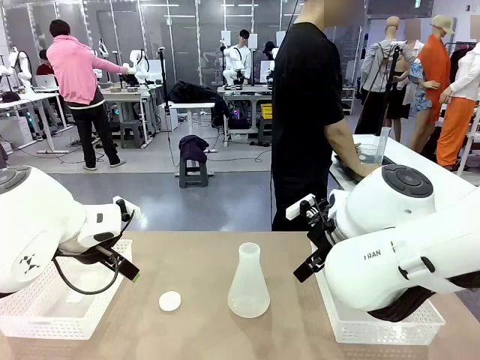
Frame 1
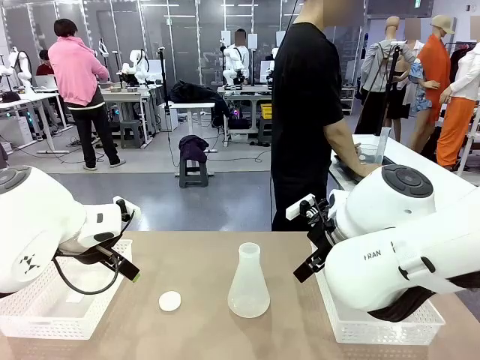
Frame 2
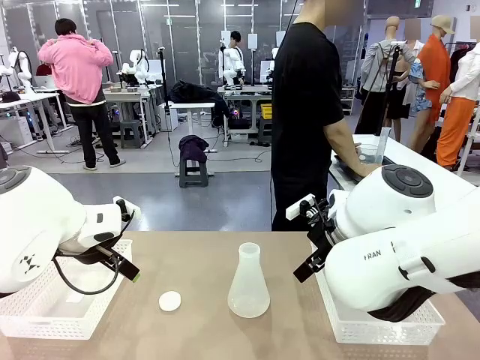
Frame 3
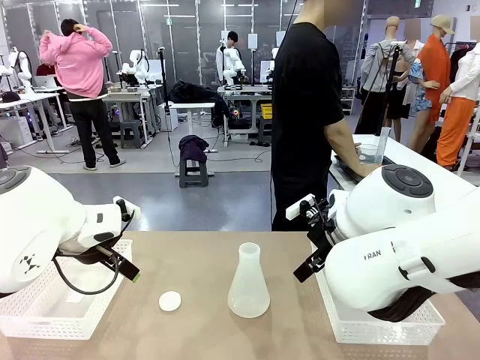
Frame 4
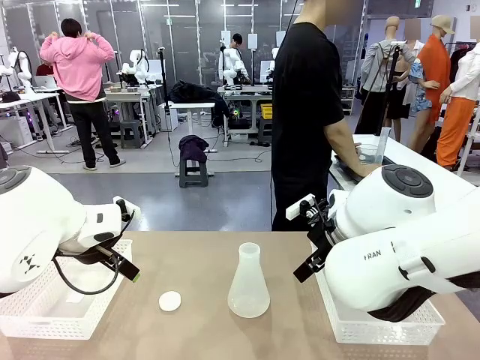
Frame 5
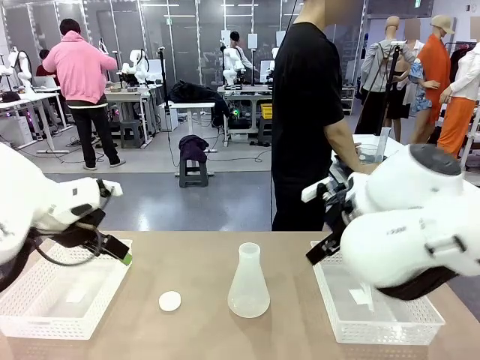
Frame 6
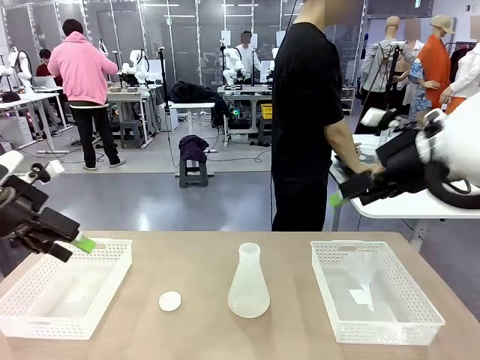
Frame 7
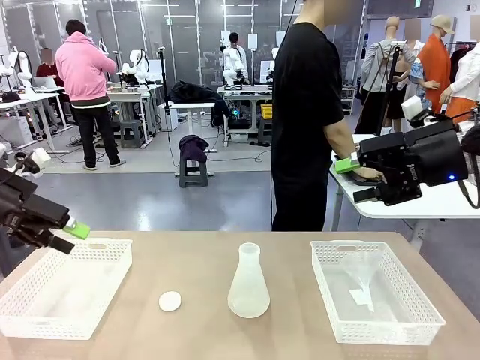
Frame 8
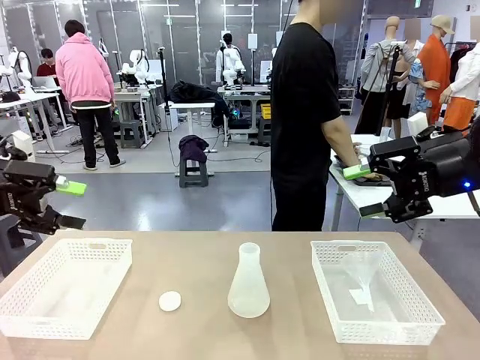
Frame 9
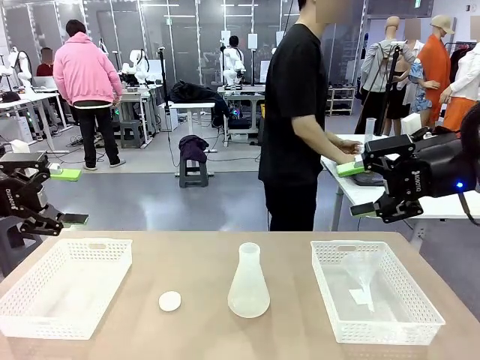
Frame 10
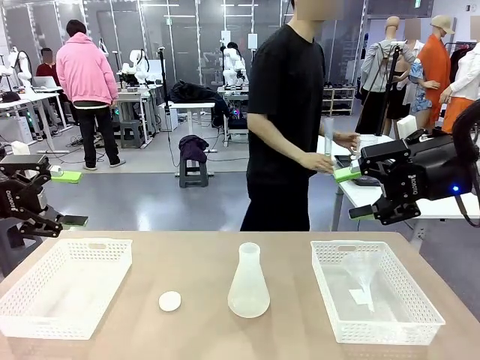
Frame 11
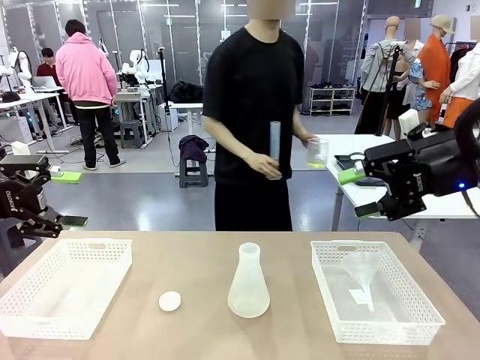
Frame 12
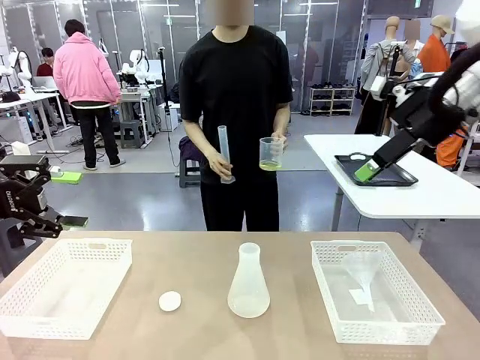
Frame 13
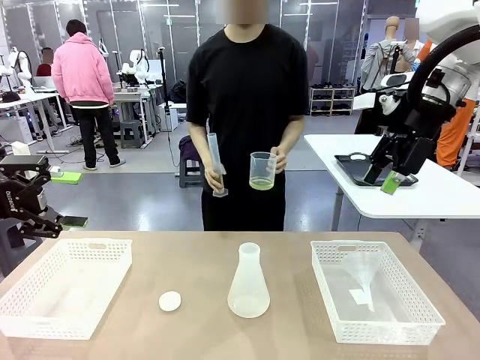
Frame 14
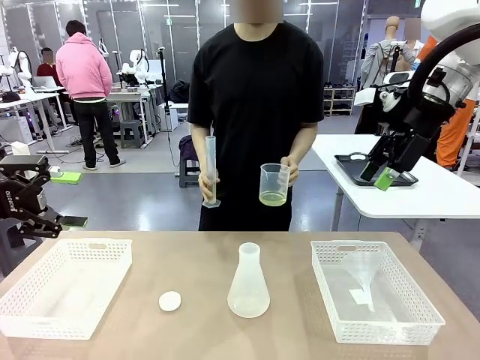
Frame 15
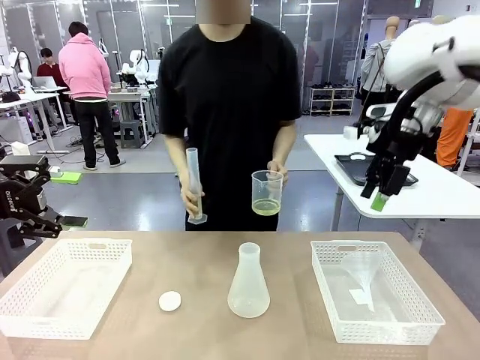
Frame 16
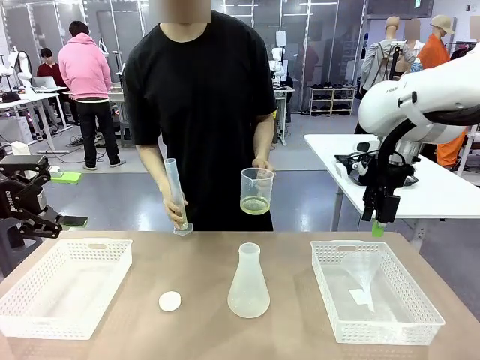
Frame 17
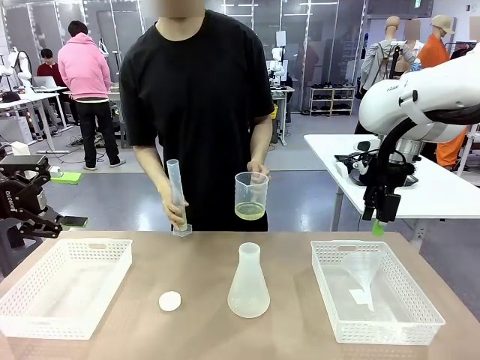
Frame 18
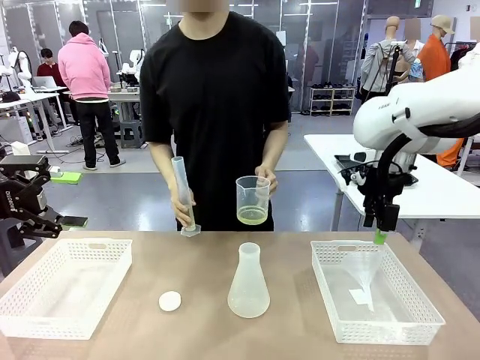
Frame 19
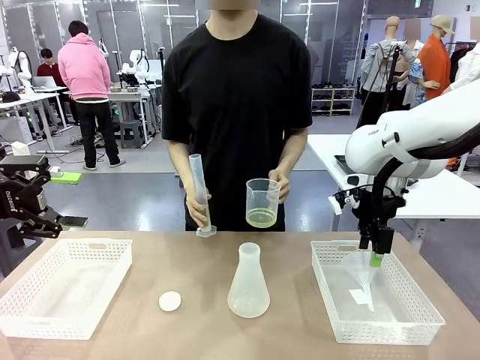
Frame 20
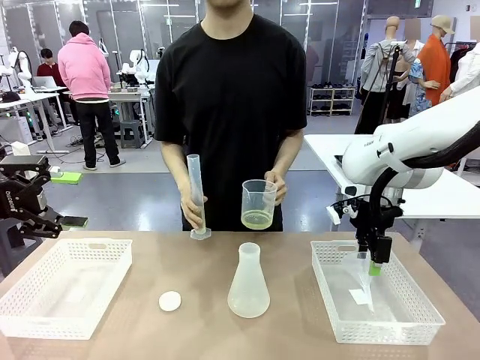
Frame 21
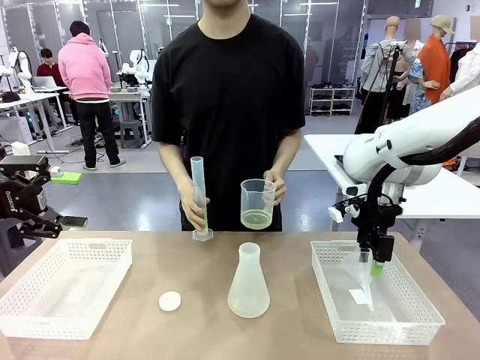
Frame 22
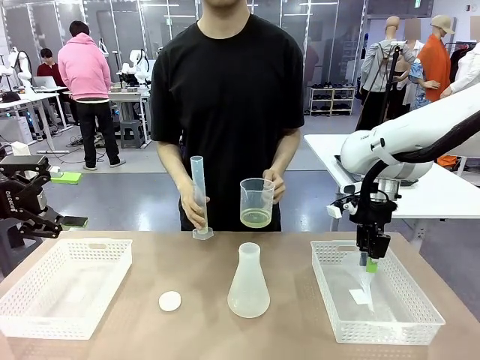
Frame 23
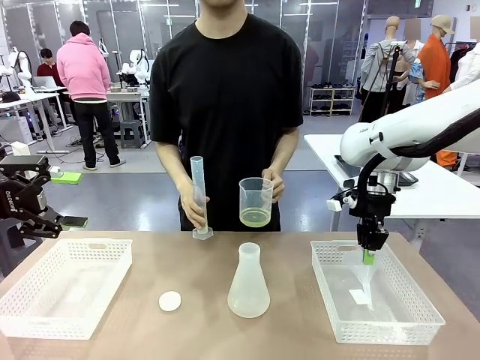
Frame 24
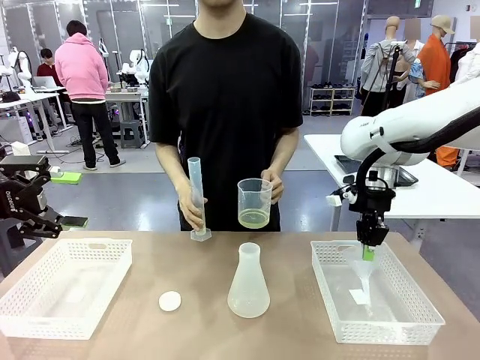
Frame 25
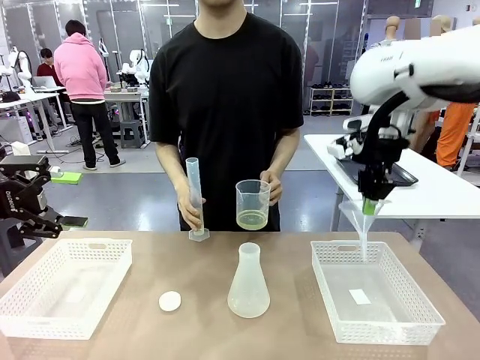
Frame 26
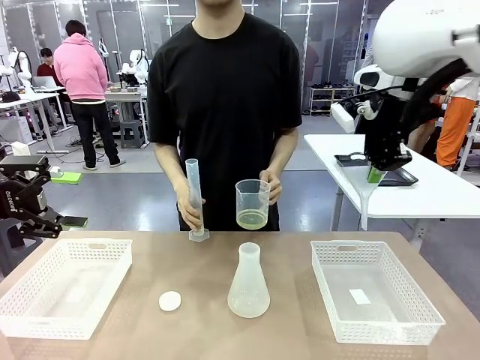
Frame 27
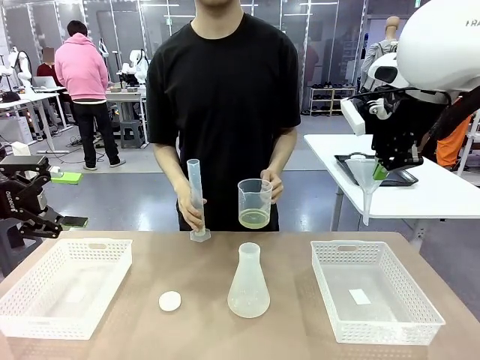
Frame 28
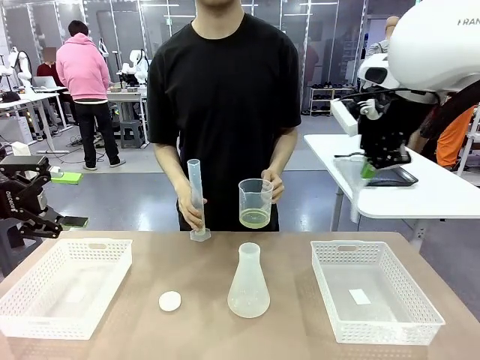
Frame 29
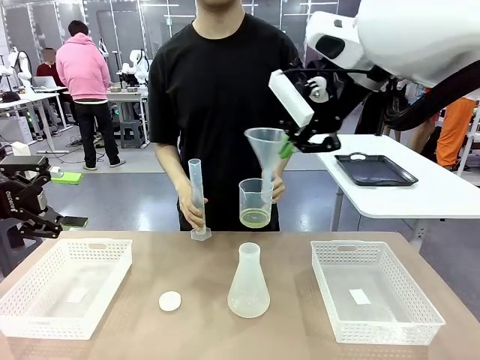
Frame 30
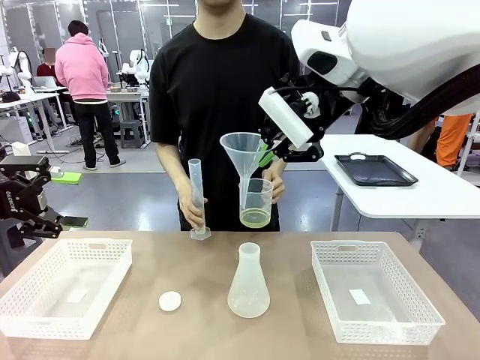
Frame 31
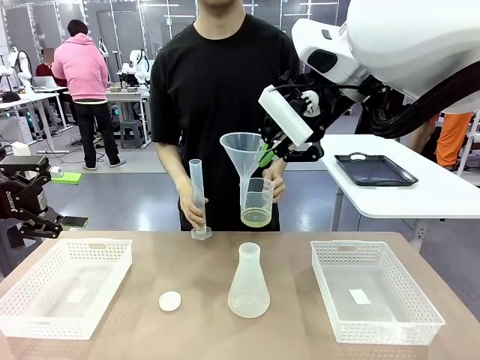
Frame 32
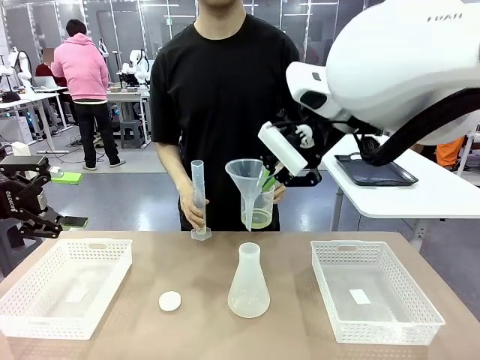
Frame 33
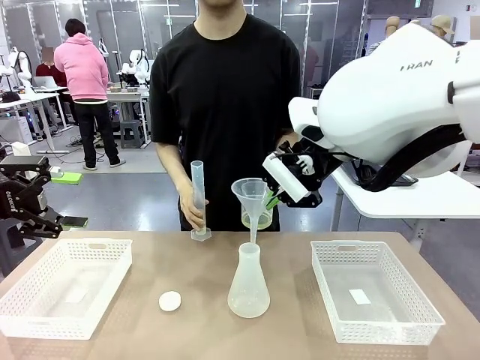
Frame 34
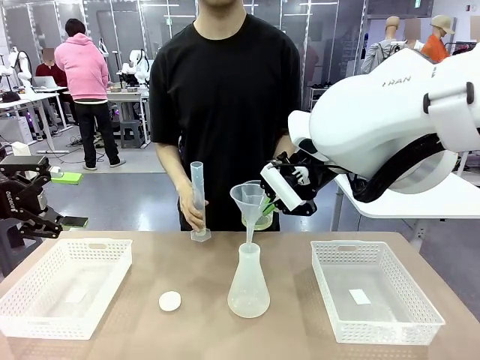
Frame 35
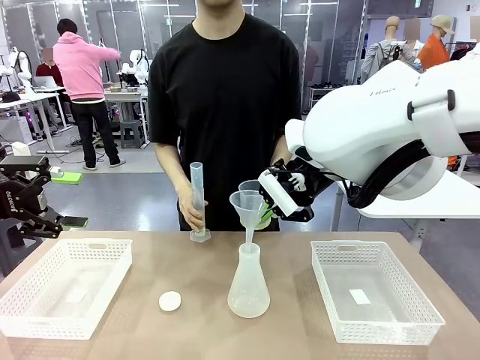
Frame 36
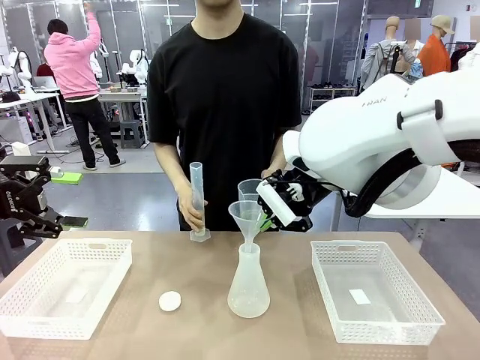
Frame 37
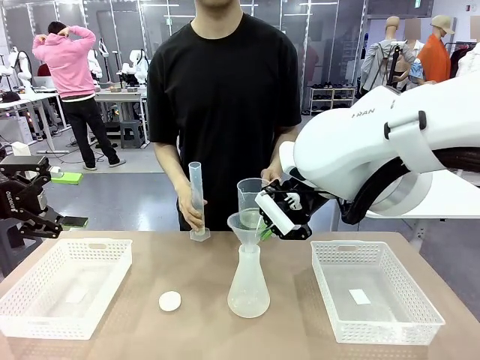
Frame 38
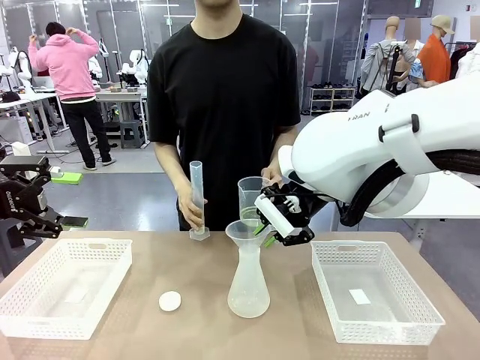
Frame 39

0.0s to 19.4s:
Task: Prepare the solutions needed for the experiment.
Robot: Pick up the Plastic Funnel and insert it into the Big flask.
Person: Pick up the beaker and the cylinder and move to the middle of the robot table. Pour the solution from the beaker and the cylinder into the flask.
